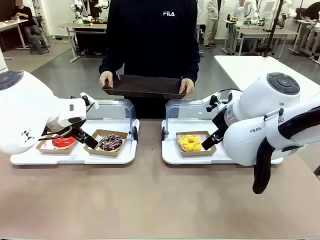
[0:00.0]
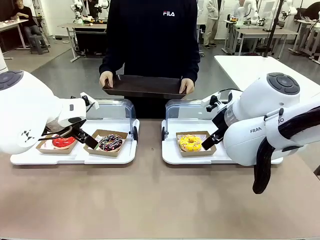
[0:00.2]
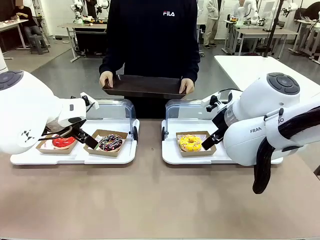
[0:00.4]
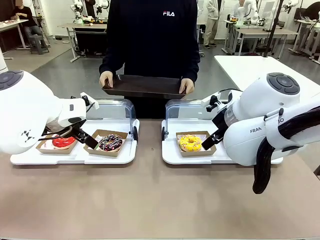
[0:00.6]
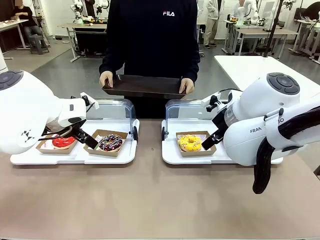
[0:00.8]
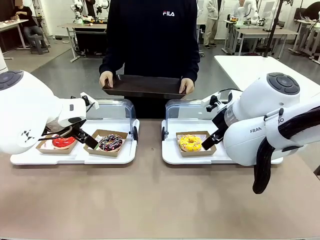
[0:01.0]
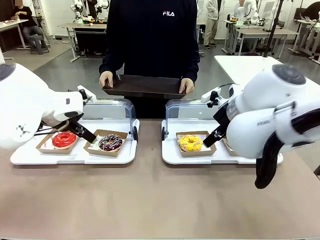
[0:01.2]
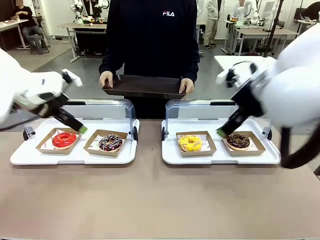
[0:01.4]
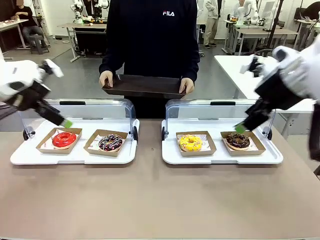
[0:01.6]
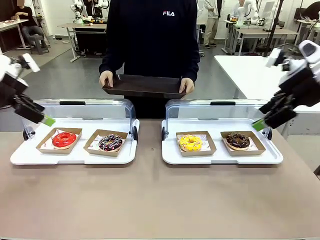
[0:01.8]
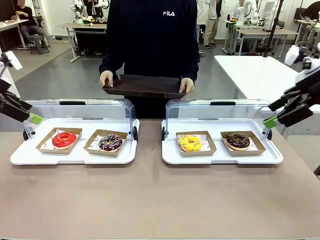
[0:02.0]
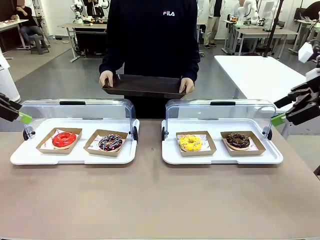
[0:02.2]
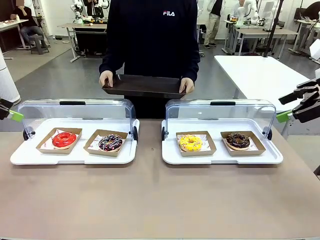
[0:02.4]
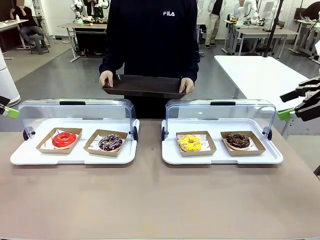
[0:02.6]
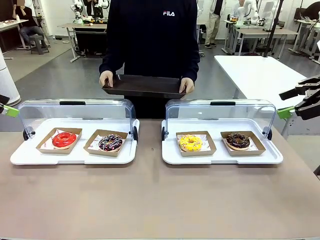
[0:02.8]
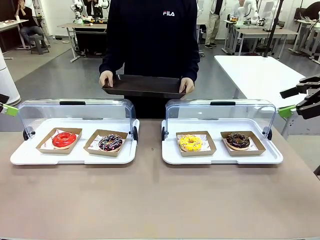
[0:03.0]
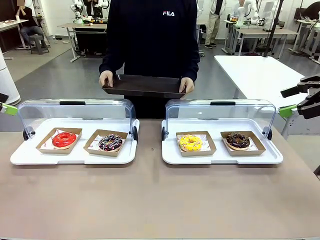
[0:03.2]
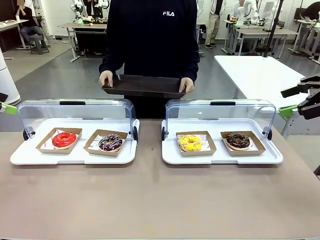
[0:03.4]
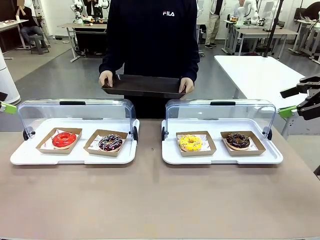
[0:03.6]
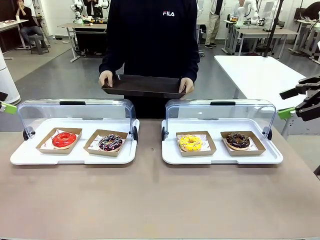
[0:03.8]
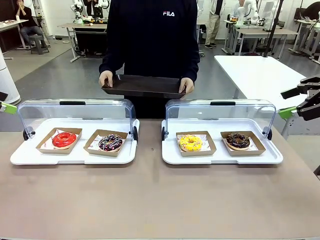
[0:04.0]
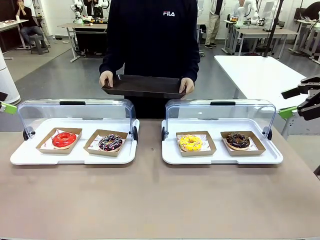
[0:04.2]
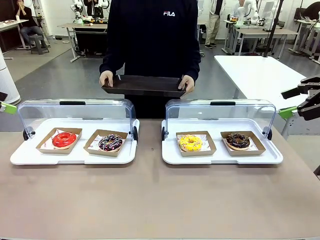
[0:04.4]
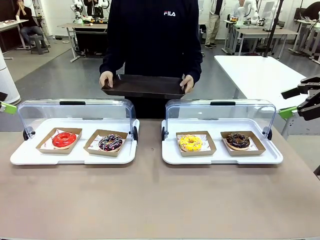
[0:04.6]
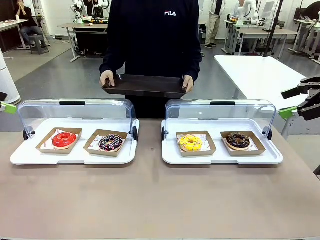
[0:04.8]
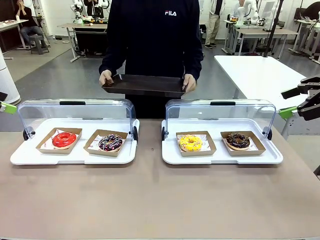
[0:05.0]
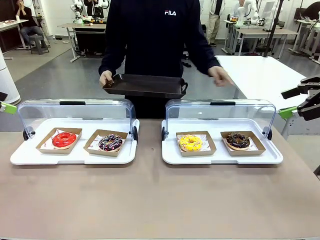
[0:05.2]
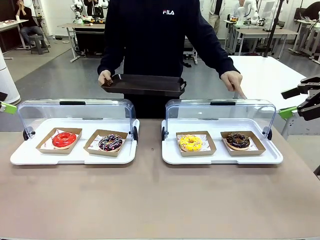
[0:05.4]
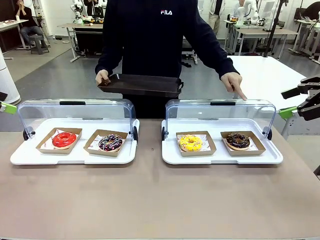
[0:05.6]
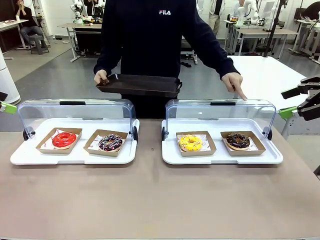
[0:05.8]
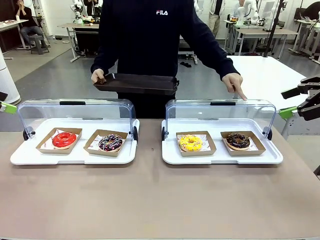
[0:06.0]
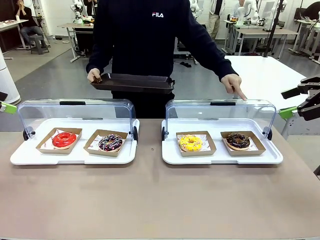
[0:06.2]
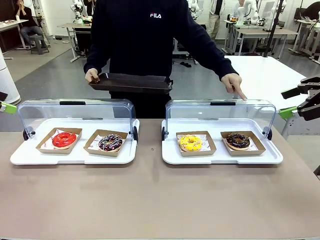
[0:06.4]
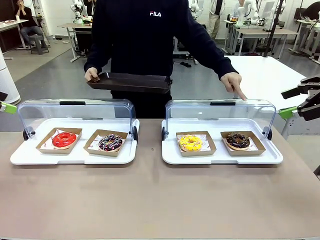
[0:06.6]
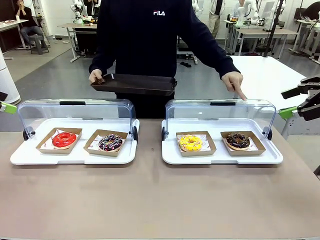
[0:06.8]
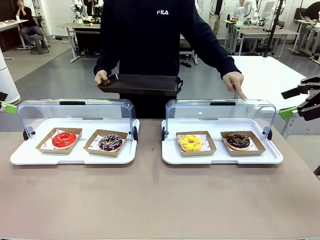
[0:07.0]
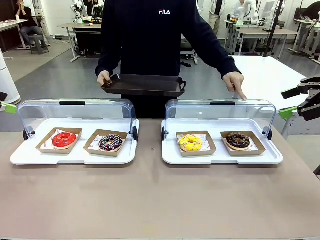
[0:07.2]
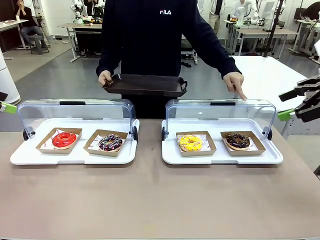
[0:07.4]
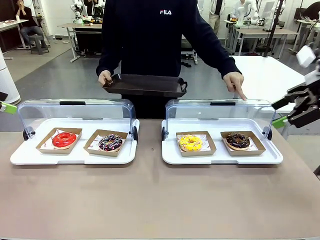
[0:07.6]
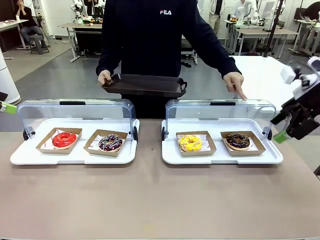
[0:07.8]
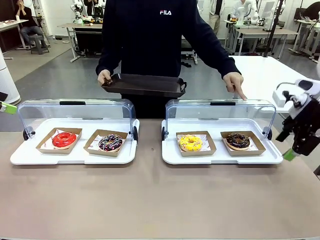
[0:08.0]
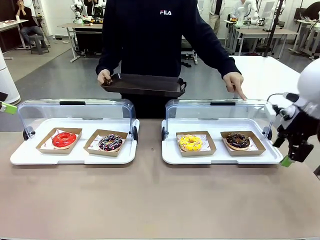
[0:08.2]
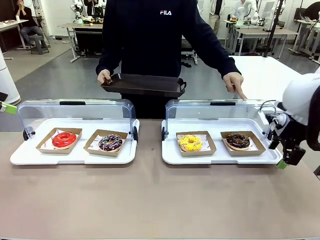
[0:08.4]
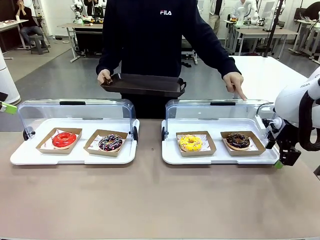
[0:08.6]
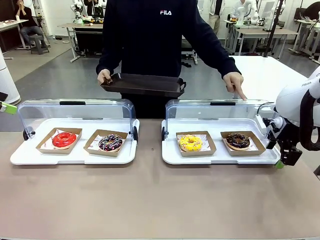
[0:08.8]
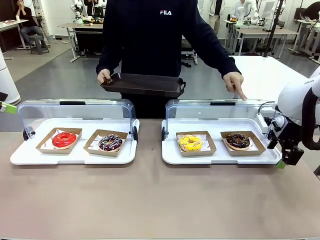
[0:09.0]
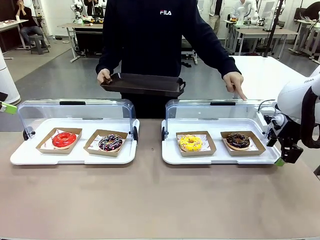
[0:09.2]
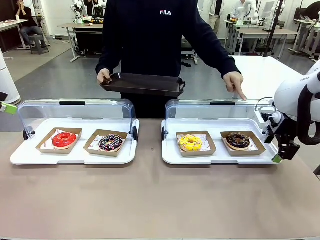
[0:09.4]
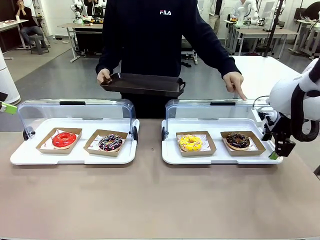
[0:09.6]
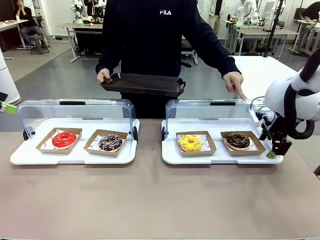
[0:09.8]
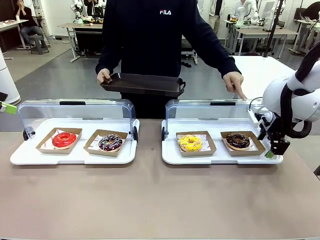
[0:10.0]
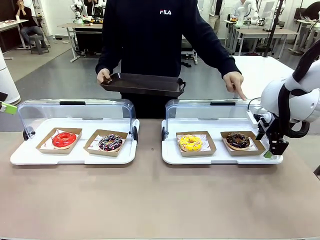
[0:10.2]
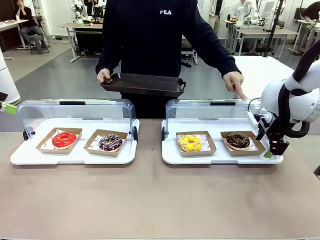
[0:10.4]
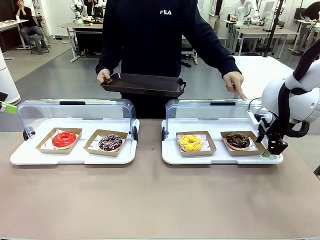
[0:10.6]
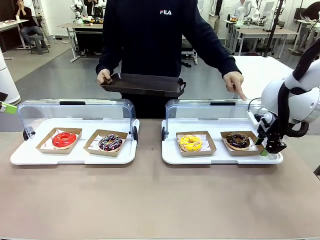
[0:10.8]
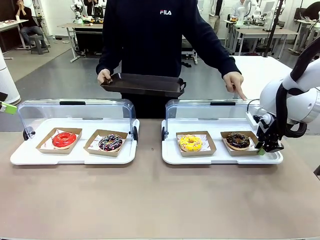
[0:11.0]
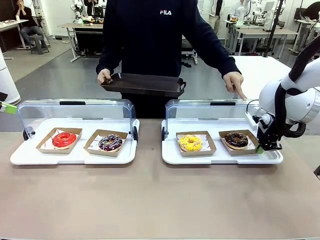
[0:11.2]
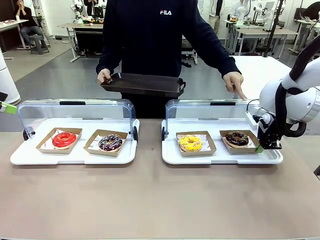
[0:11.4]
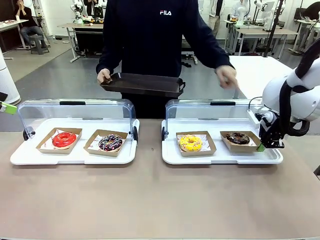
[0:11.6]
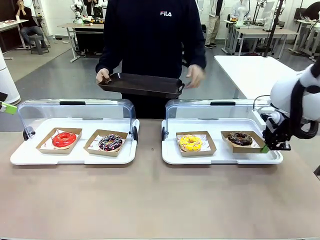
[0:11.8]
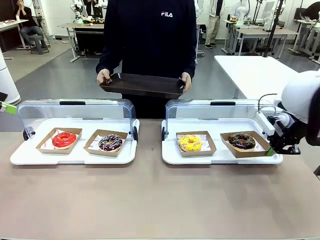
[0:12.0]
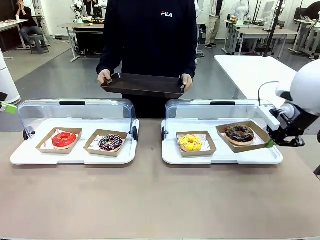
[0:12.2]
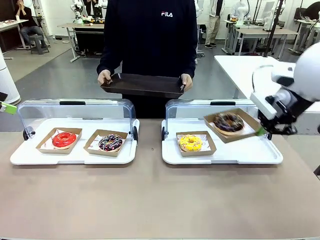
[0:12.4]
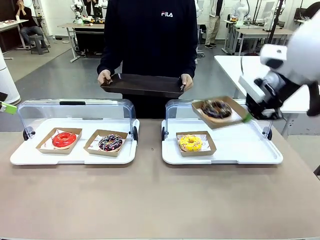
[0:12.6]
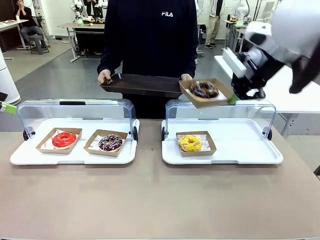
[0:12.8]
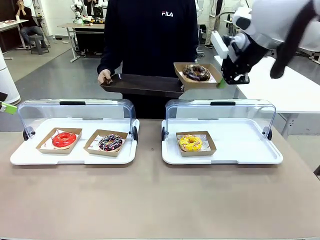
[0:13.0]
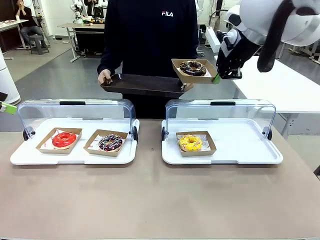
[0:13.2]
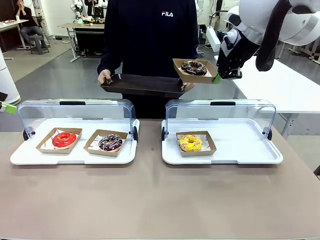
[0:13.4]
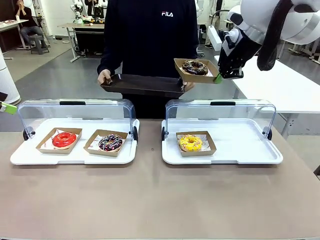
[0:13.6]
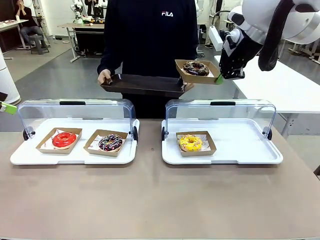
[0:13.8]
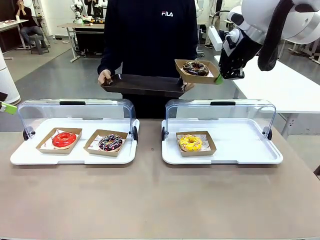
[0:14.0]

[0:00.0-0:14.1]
Task: Provide the desired donut to the person.
Robot: Pick up and lift the Paper togo box containing the Donut pointed at by the person.
Person: Point to one donut. Lift the tray onto the Roll-Top Bakery Case.

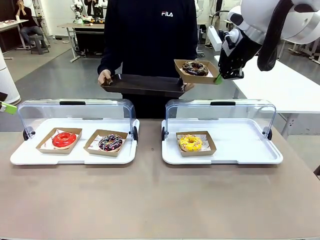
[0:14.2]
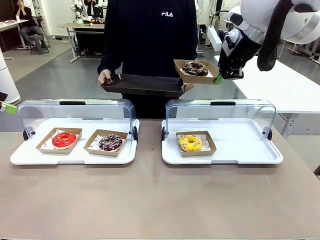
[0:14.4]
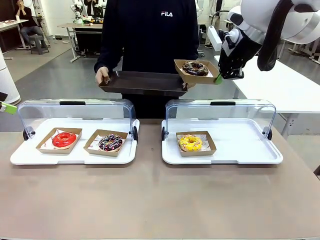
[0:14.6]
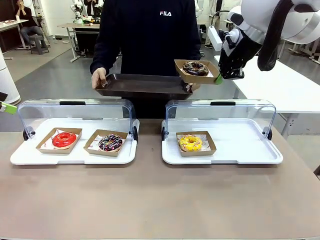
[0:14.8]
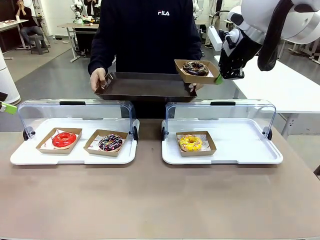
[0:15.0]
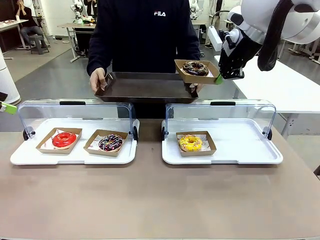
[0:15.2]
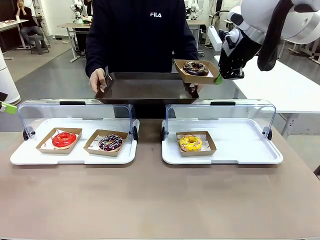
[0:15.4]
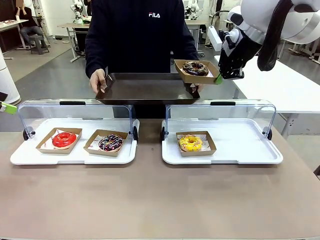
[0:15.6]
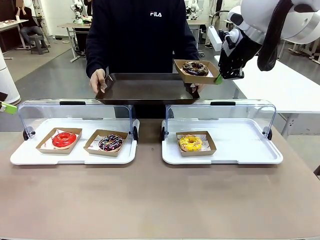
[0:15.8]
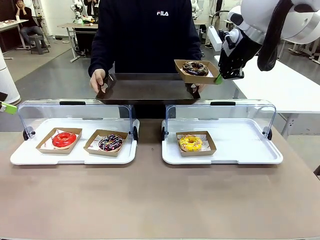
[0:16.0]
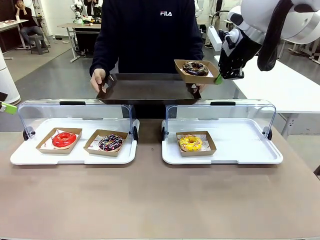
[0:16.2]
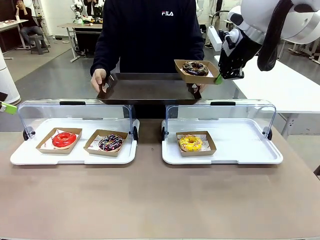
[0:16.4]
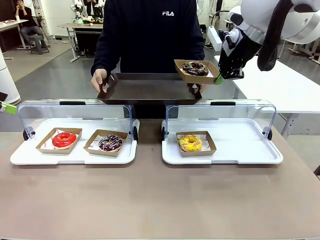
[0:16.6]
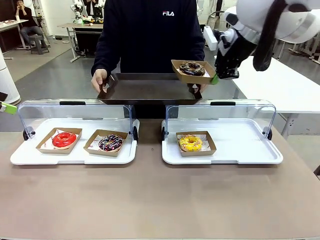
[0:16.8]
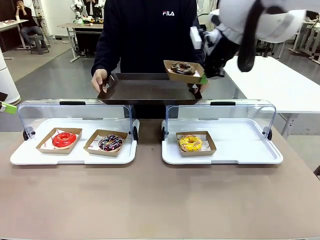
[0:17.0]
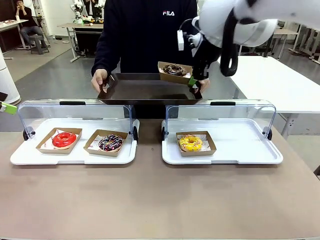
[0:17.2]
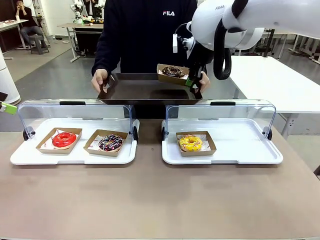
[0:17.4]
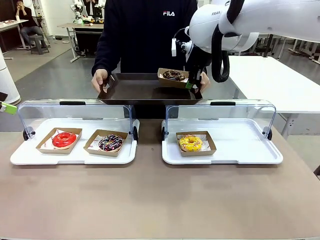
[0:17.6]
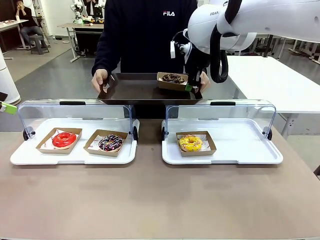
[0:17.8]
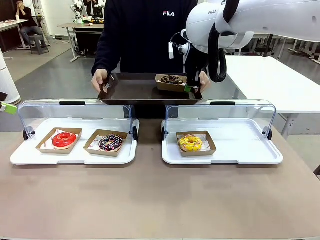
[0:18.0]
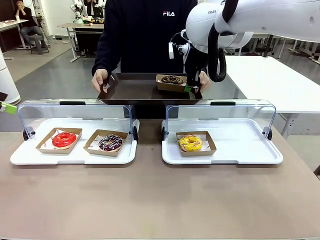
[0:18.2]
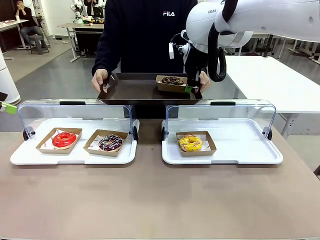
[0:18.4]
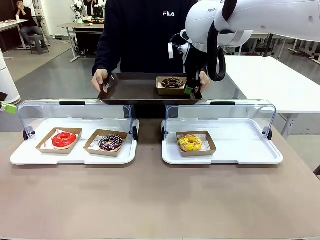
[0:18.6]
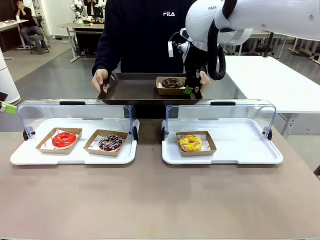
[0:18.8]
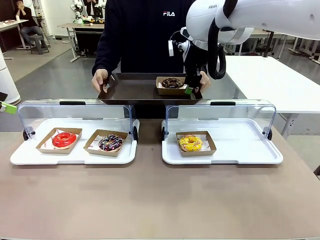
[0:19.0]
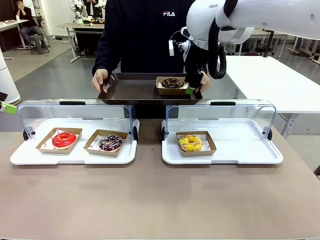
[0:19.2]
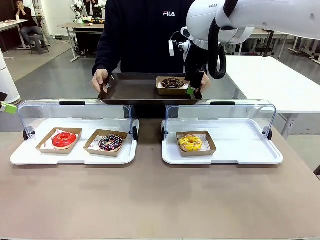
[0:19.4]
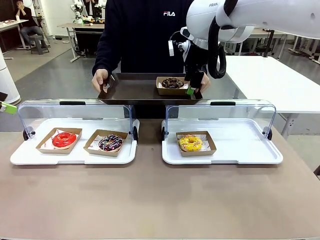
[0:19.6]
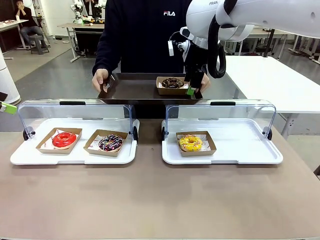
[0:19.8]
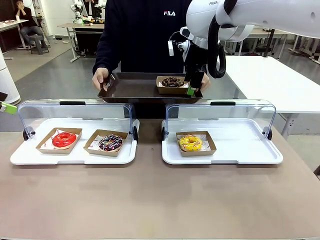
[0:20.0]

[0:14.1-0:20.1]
Robot: Place the picked Paper togo box onto the Handle tray extended by the person.
Person: Point to one donut.
